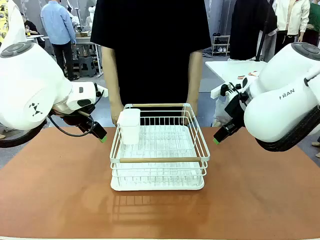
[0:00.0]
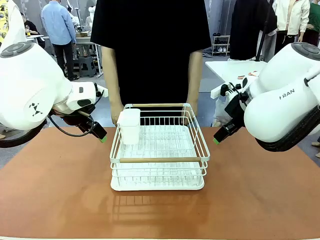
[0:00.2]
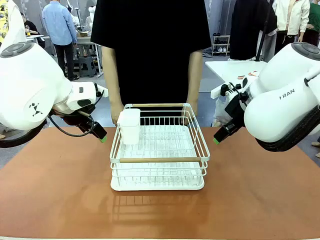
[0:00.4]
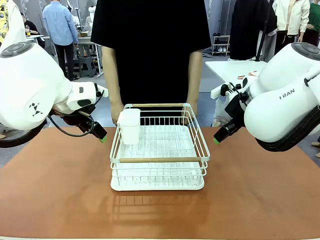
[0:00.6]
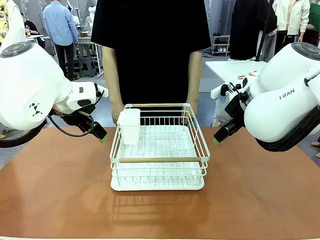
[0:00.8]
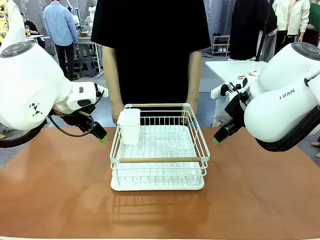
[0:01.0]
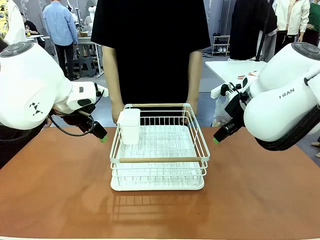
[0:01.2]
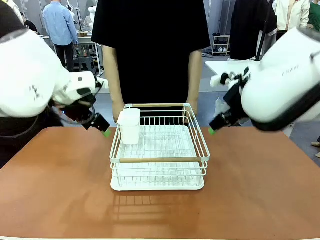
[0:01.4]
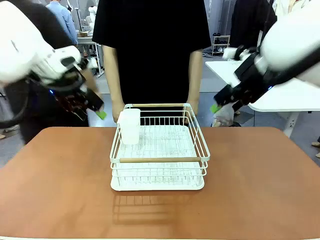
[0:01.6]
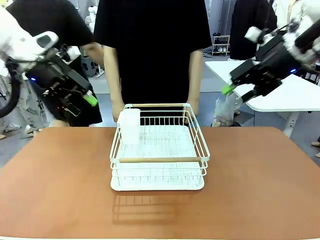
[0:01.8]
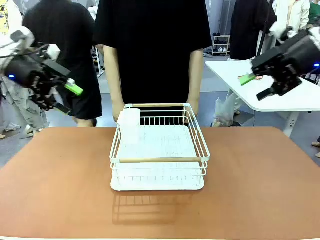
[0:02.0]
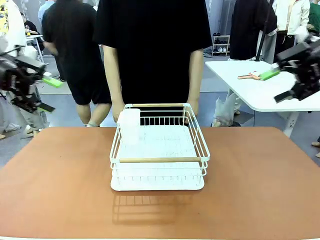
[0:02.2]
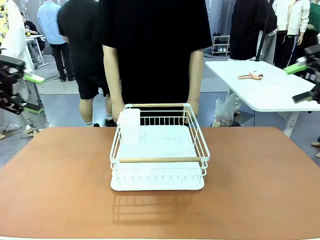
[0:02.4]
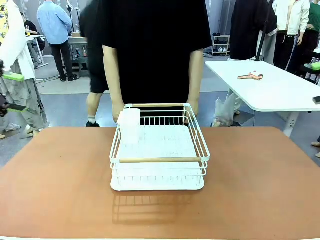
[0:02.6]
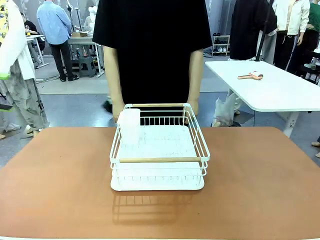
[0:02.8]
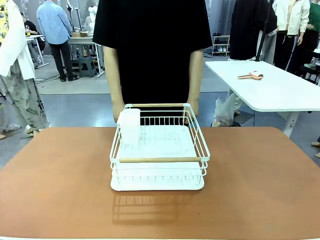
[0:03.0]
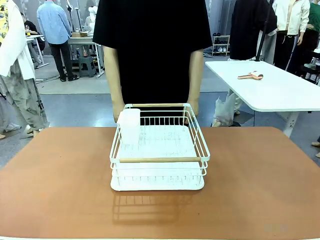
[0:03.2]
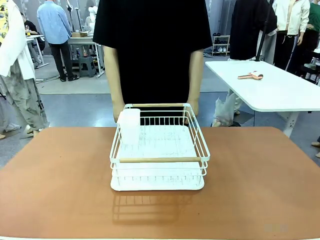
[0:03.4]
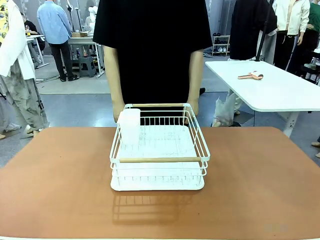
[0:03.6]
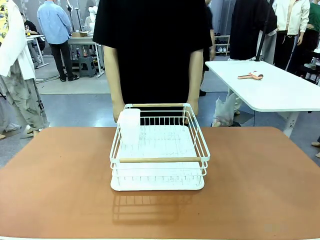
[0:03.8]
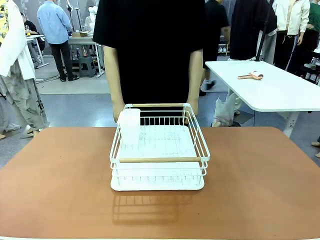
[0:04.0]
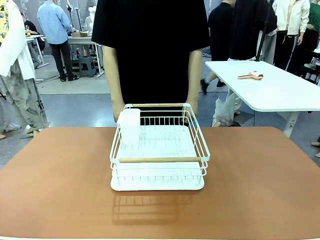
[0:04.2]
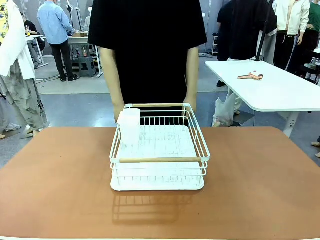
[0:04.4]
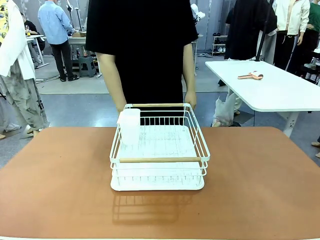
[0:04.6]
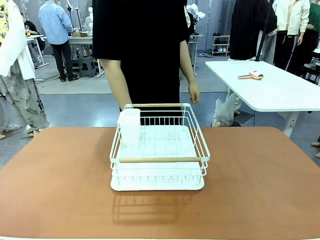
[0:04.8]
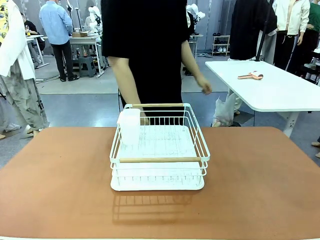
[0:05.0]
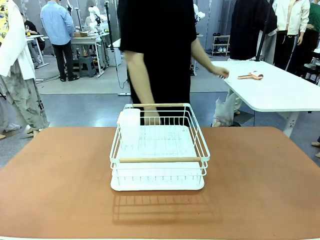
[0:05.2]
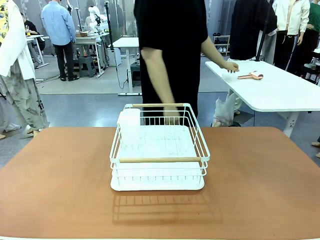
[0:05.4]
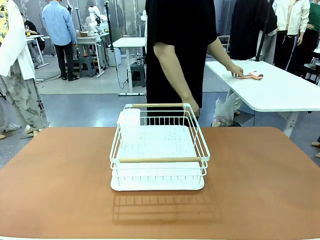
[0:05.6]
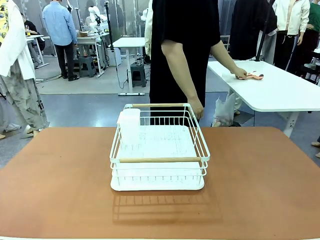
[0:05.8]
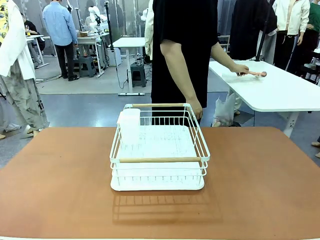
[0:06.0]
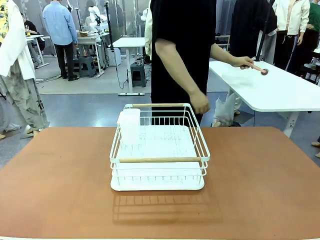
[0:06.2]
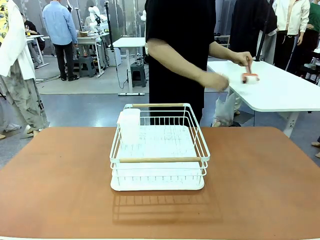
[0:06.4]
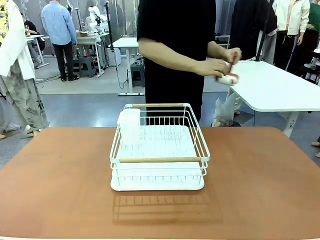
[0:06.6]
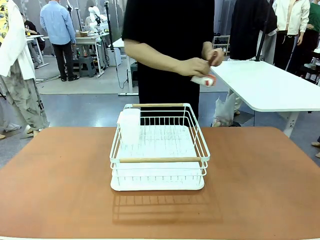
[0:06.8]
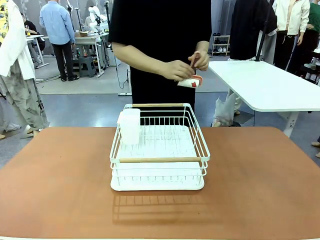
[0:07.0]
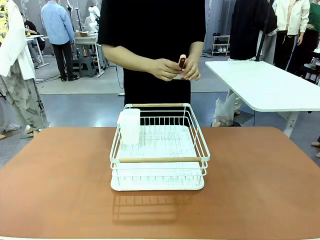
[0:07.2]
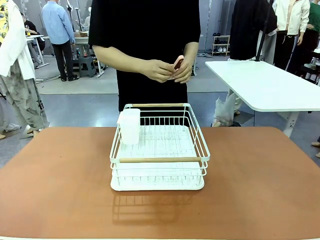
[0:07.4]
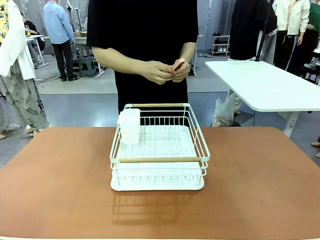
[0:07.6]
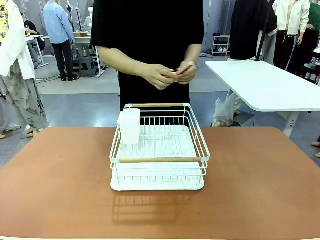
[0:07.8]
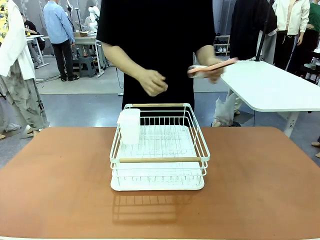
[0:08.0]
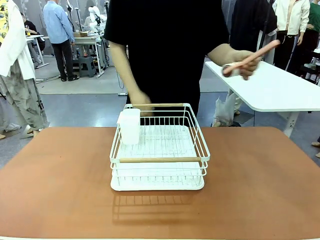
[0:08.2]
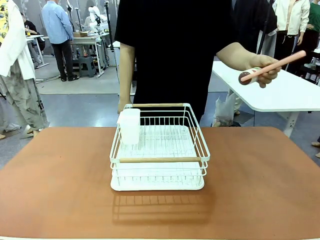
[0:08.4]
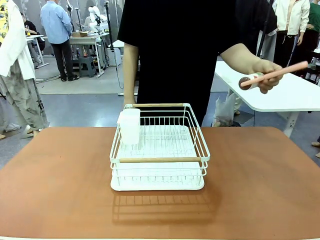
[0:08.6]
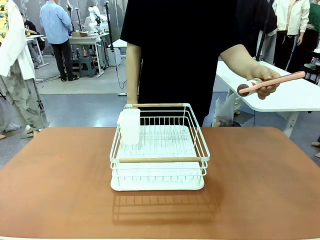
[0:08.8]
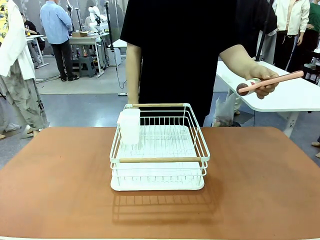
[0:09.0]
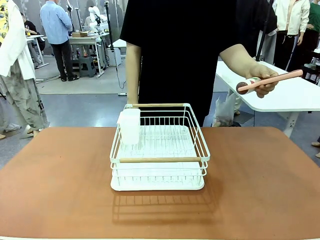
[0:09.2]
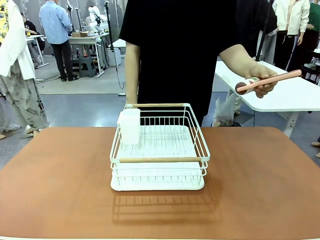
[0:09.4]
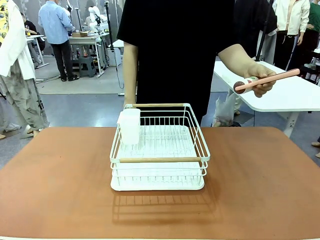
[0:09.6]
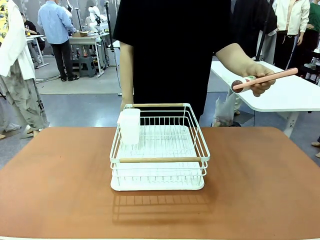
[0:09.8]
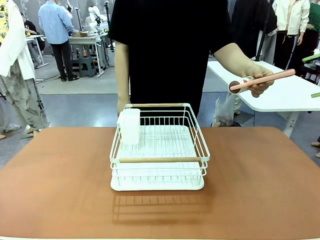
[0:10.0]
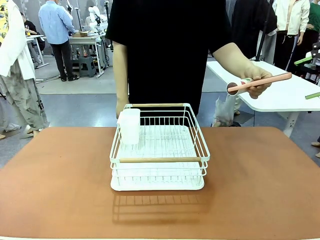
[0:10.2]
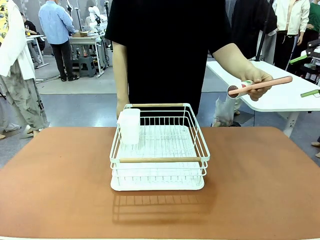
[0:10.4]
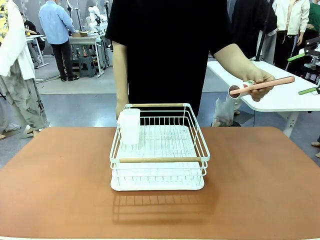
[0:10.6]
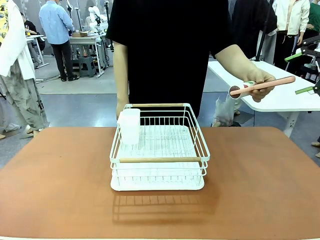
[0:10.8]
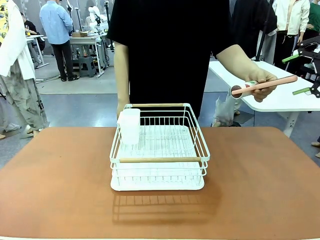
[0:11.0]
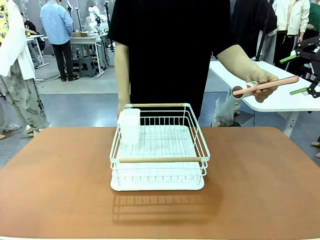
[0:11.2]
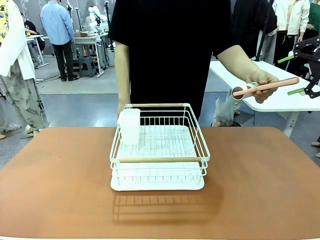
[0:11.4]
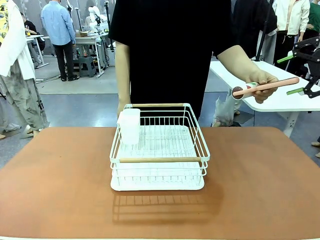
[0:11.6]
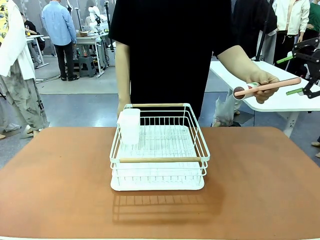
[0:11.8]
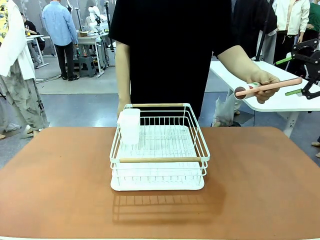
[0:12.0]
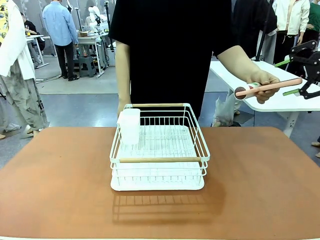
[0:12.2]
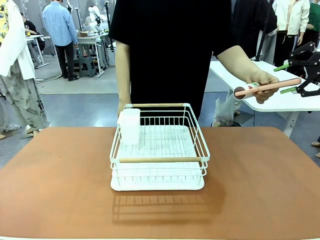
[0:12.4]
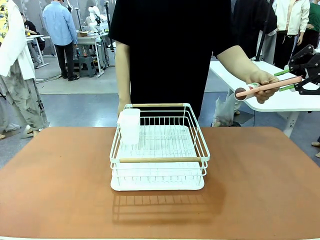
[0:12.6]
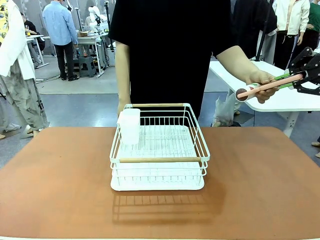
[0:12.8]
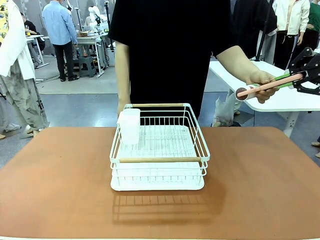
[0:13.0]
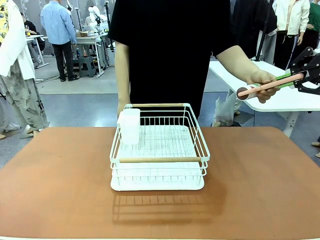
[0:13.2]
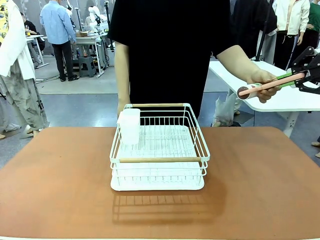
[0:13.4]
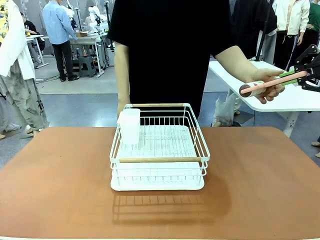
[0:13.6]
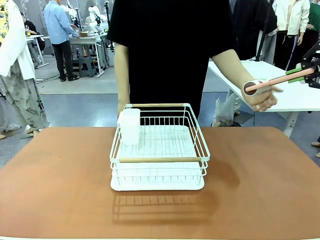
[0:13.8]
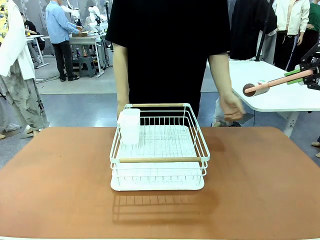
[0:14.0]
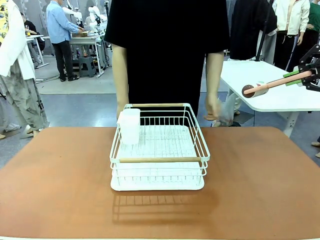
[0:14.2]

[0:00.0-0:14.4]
Task: Clean the table.
Robot: Pick up the Lint Roller when the human hands it over.
Person: Hand the Lint Roller to the robot so it can easily pick it up. Lift the Dish drying rack.
